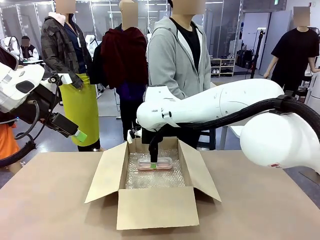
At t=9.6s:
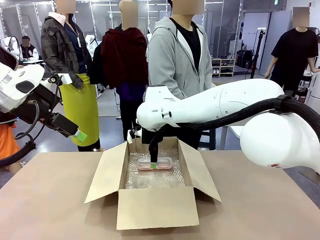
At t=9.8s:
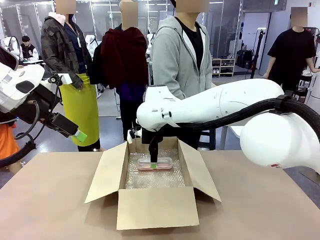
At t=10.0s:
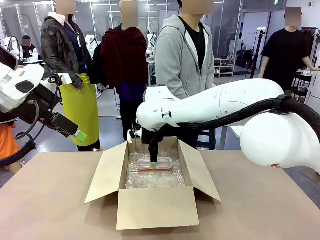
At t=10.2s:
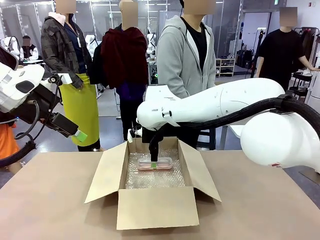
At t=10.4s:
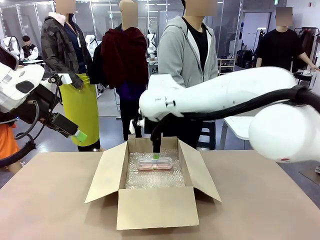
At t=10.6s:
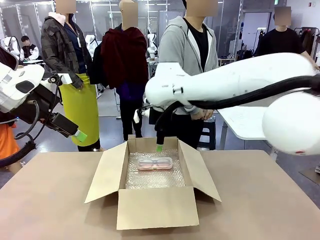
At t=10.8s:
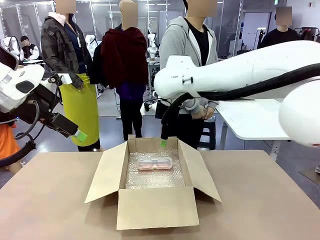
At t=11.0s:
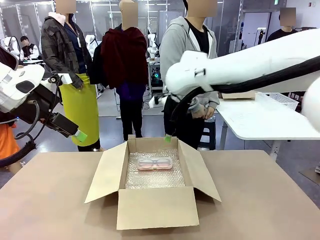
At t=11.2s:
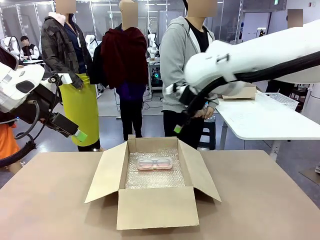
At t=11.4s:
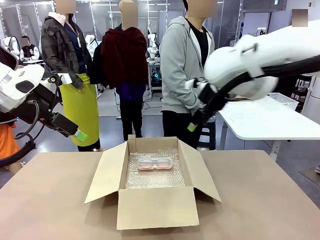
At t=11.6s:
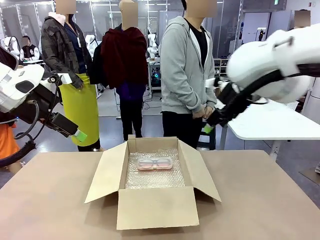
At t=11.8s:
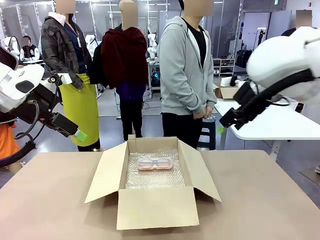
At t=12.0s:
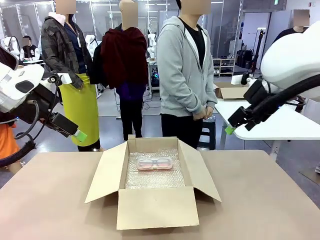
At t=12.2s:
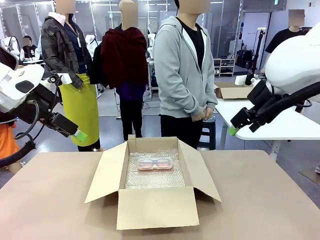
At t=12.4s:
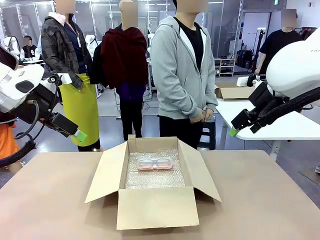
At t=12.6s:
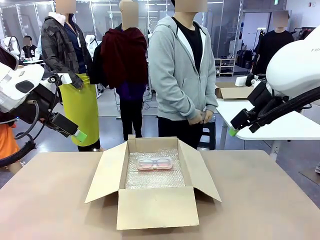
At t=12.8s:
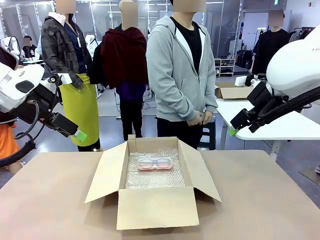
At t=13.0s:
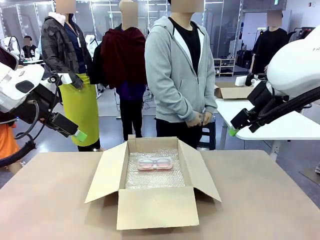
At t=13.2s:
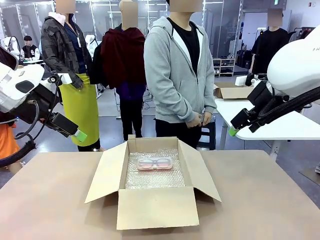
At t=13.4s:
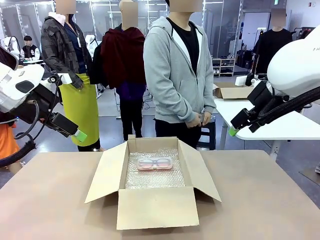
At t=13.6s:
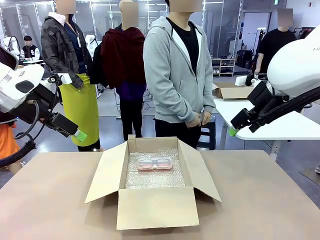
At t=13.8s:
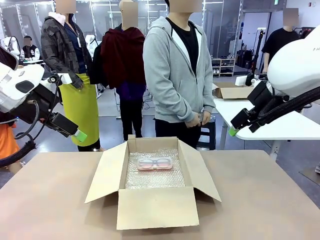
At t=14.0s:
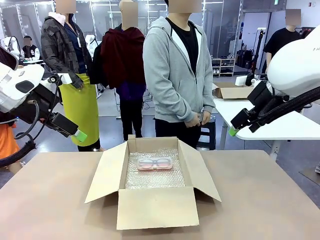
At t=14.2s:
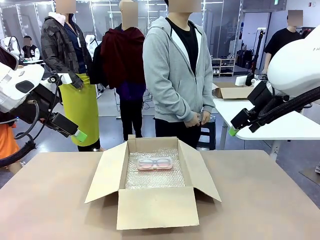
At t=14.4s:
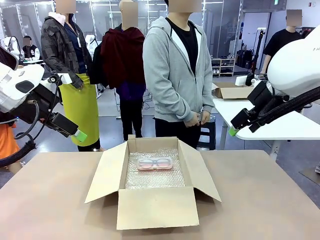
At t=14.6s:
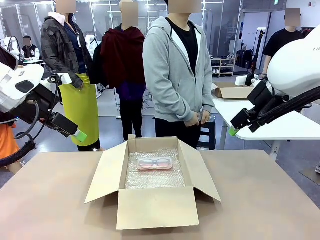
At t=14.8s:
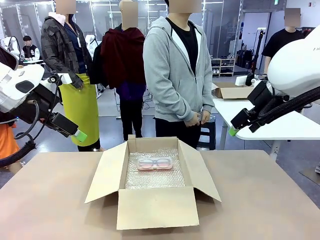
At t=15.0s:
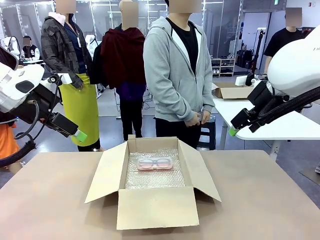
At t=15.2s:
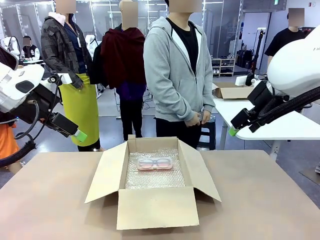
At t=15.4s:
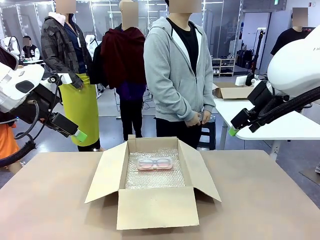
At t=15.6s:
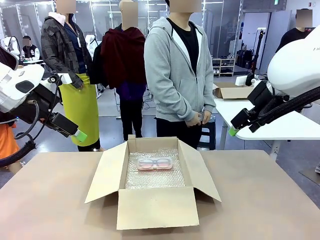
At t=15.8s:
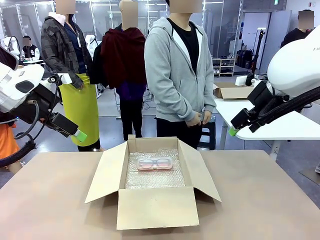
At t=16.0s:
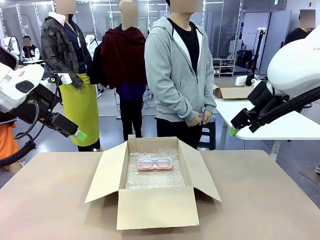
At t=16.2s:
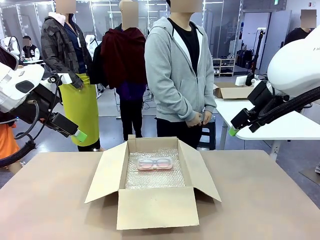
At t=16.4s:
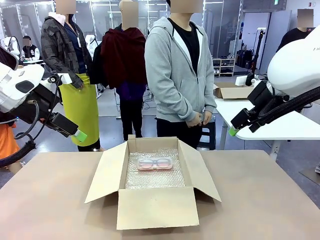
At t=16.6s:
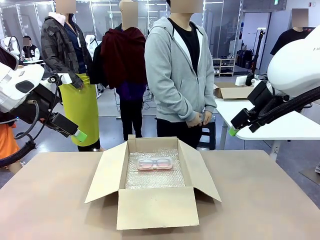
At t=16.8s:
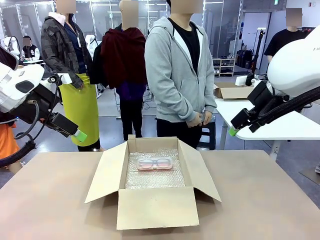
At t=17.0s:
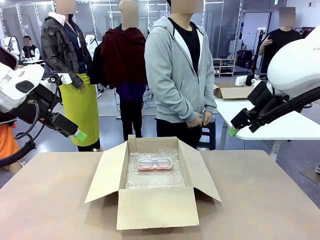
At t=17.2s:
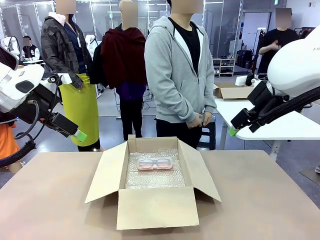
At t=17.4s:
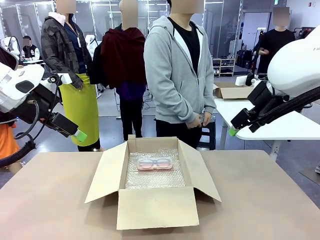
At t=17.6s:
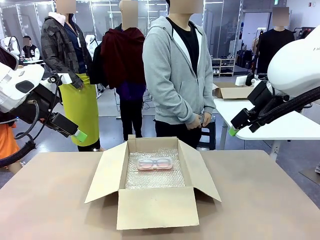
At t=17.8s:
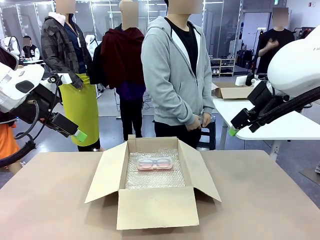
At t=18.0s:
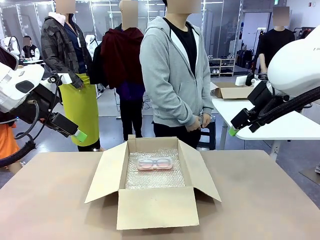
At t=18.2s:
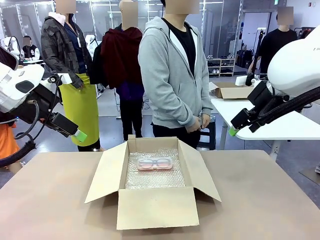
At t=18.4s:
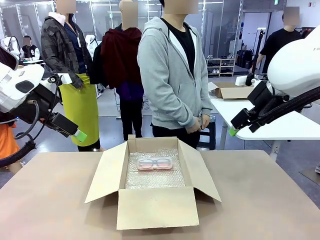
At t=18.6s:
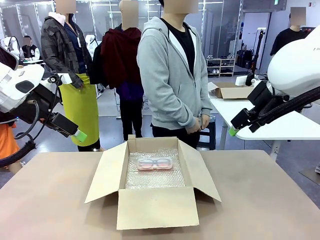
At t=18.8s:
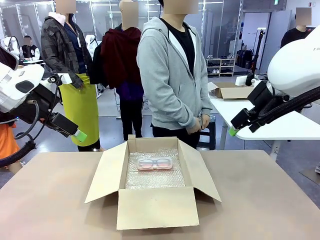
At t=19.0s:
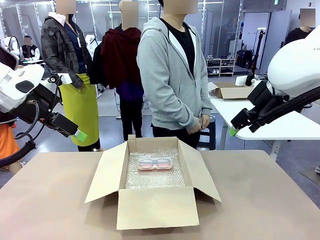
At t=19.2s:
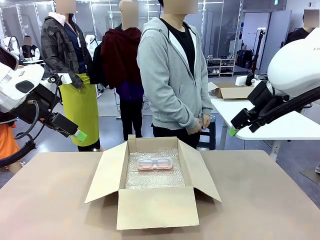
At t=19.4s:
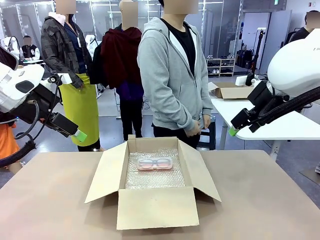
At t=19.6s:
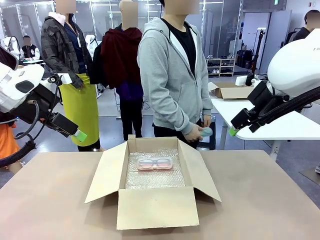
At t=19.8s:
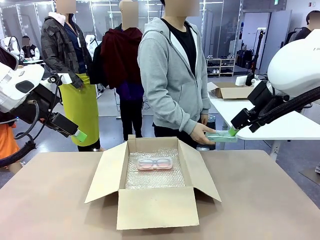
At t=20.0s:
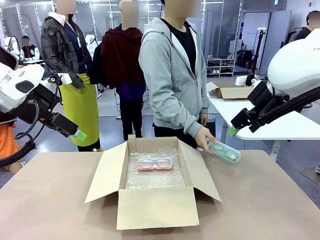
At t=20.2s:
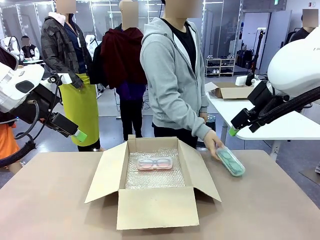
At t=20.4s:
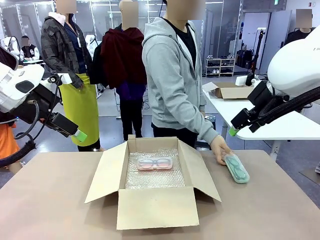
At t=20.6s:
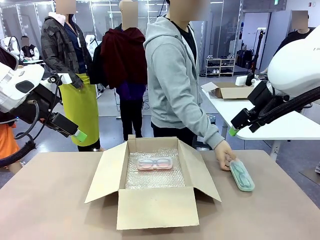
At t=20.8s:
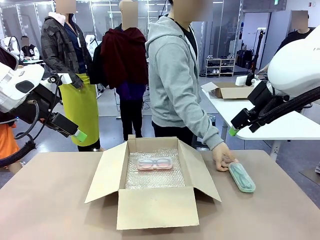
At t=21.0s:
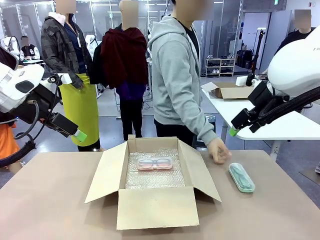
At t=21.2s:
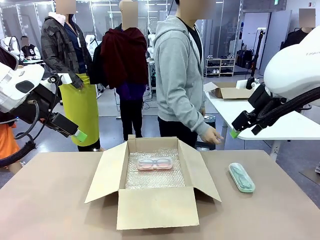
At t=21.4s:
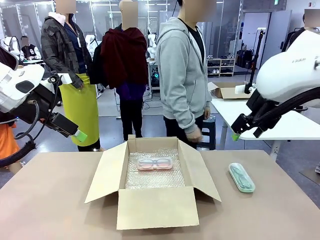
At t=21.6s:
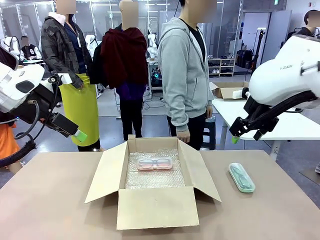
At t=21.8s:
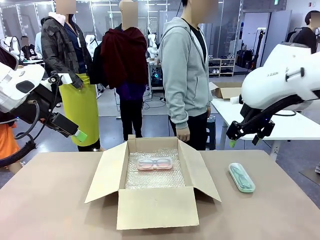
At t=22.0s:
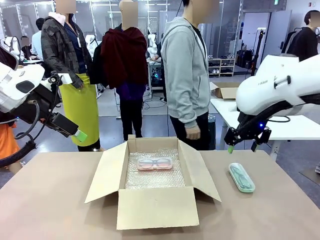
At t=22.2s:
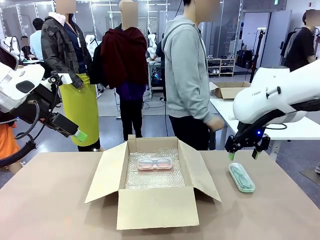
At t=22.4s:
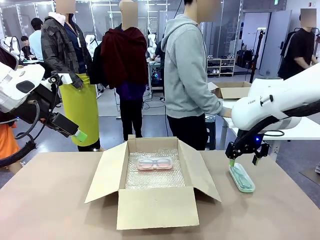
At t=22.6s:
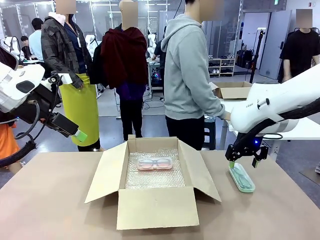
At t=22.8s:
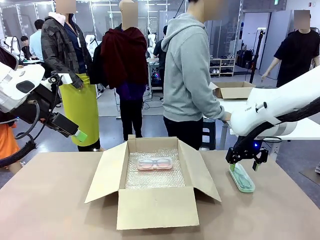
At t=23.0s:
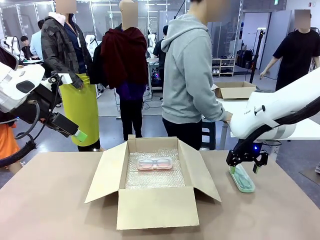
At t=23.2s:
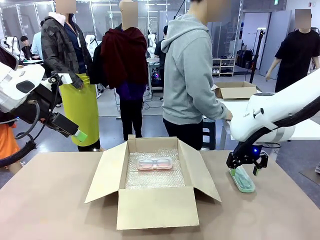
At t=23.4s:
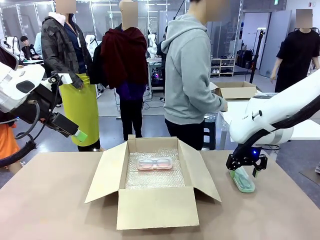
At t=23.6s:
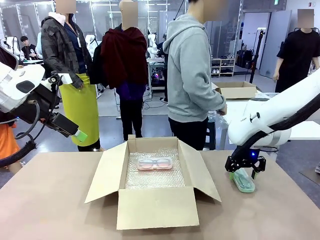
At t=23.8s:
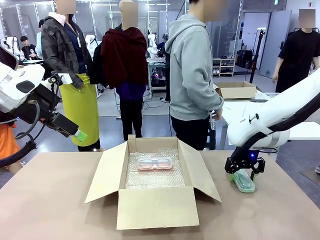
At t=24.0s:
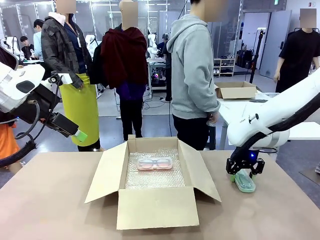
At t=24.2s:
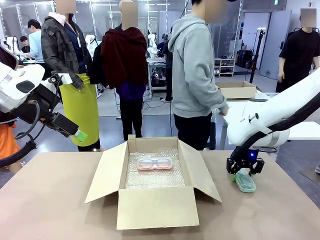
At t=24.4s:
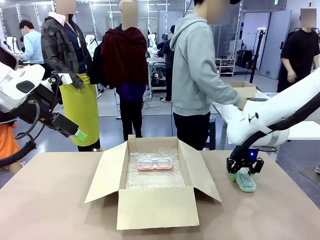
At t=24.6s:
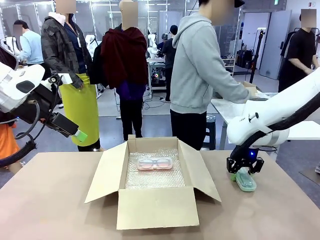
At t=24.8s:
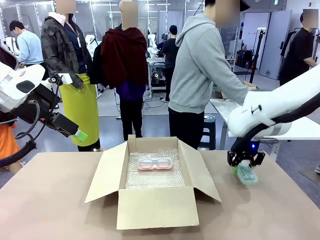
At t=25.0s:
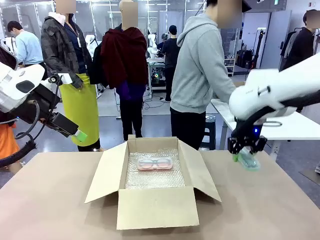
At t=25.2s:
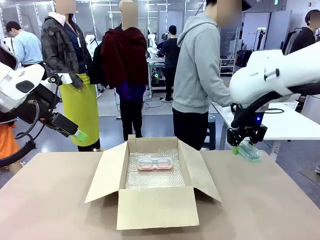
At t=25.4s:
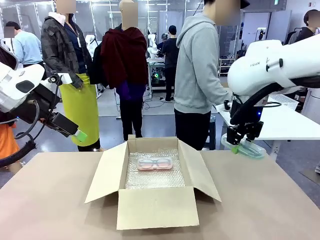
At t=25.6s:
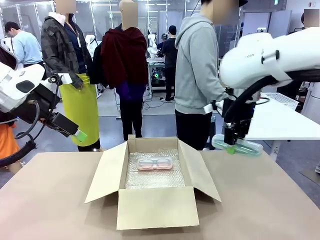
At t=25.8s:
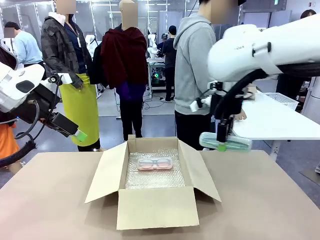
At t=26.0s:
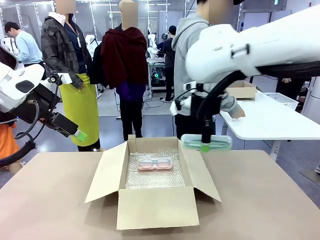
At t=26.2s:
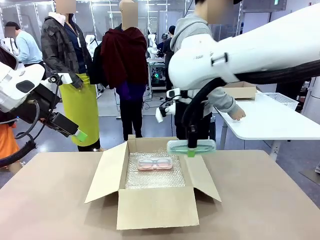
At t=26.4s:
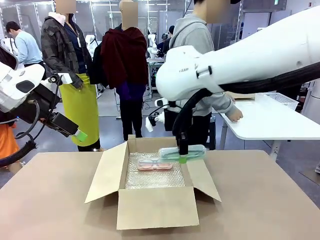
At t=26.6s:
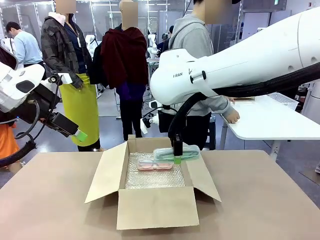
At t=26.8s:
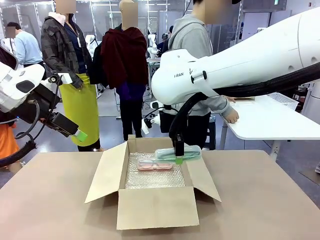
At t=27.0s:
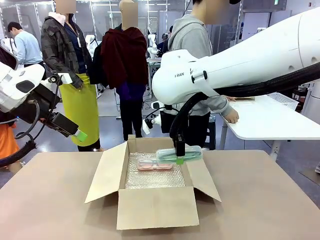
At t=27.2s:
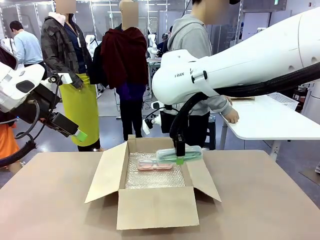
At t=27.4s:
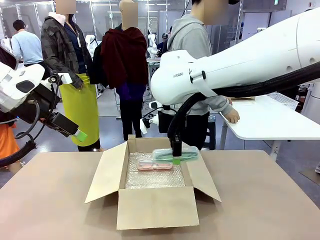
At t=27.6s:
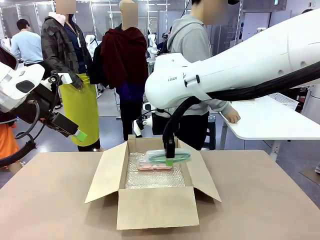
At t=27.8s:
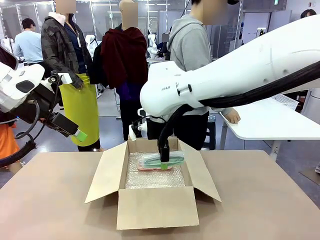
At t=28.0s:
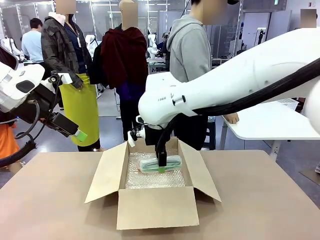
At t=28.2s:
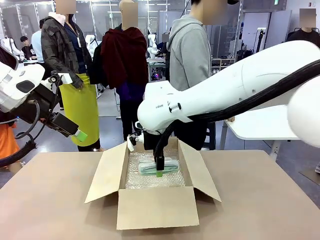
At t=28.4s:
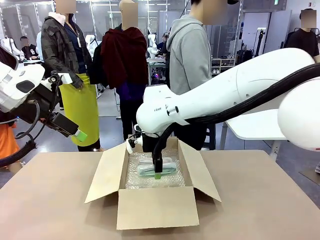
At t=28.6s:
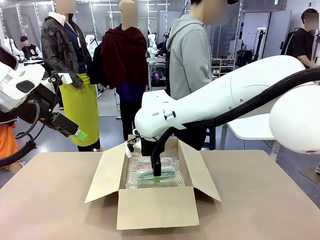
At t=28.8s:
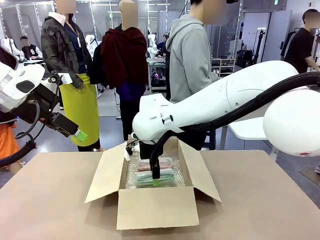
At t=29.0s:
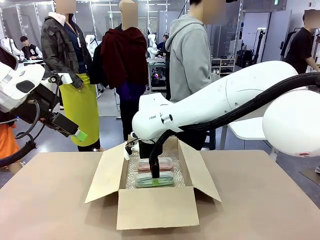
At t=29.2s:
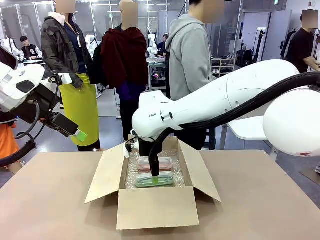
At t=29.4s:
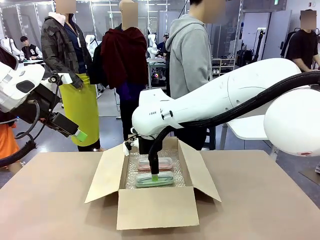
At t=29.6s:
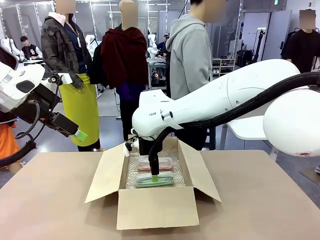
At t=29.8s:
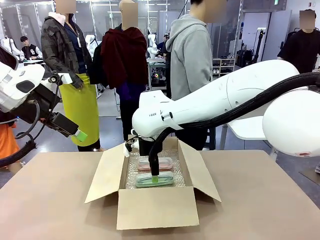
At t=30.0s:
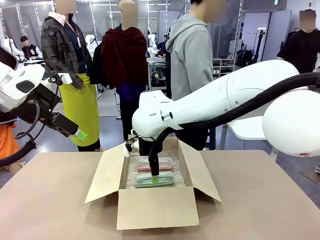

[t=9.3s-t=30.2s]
Task: Pack the glasses set securely to prepare it for shipping.
Robot: Put the Glasses case from the right side of the table into the Package Box.
Person: Position the Glasses case on the left side of the robot's table.
